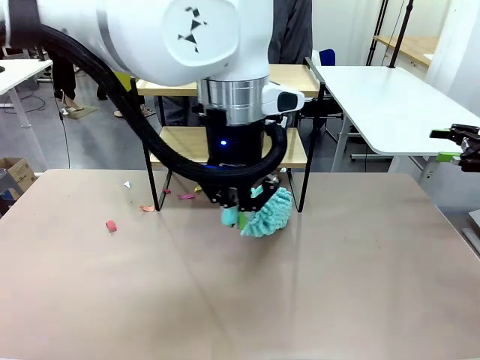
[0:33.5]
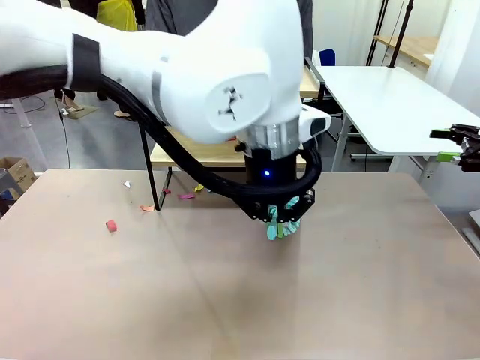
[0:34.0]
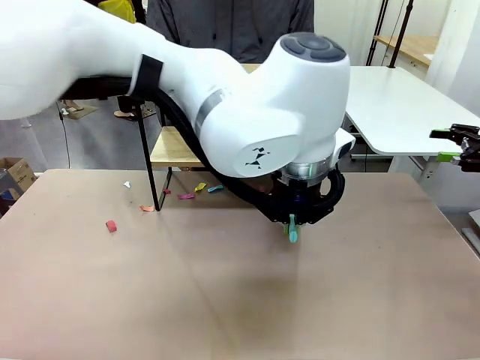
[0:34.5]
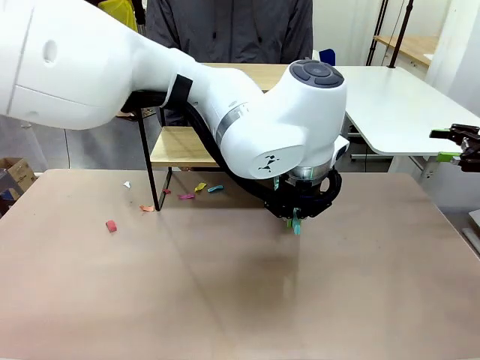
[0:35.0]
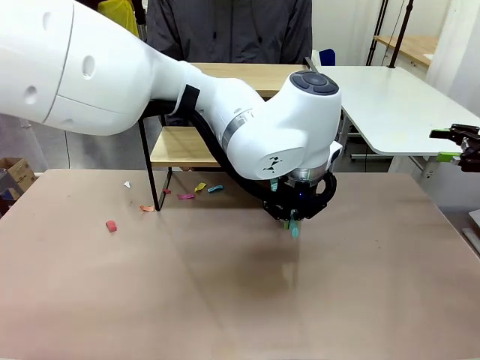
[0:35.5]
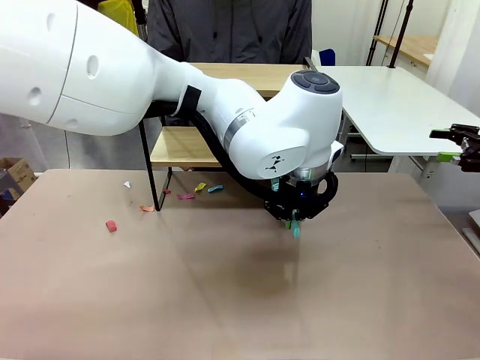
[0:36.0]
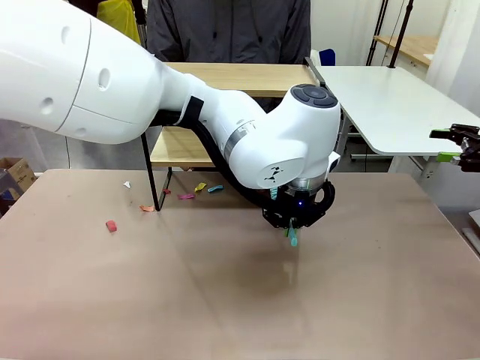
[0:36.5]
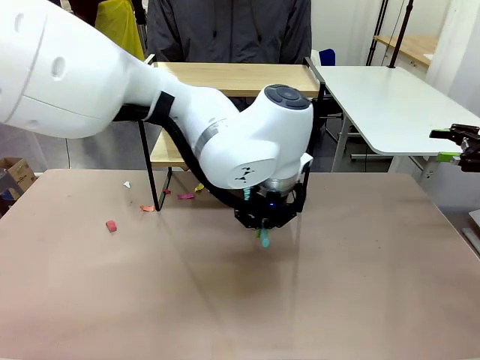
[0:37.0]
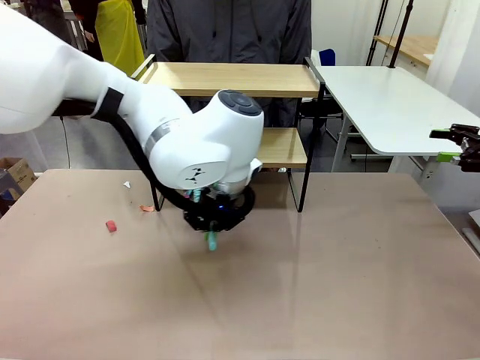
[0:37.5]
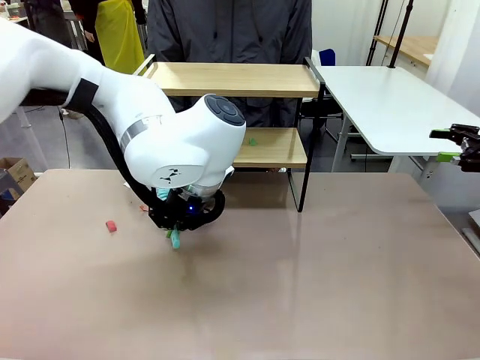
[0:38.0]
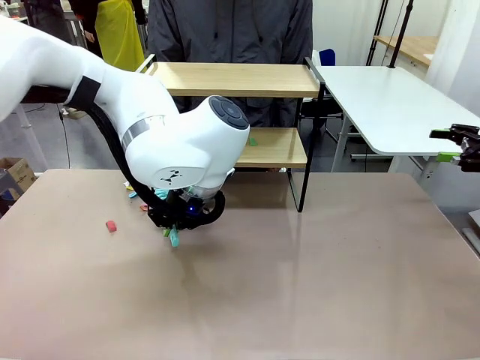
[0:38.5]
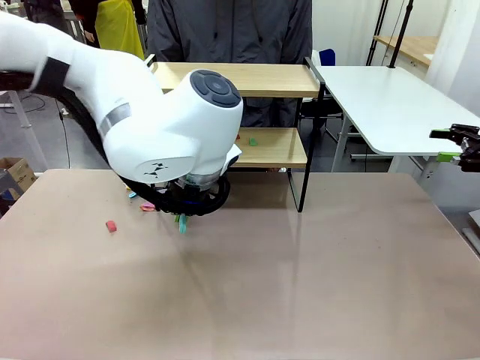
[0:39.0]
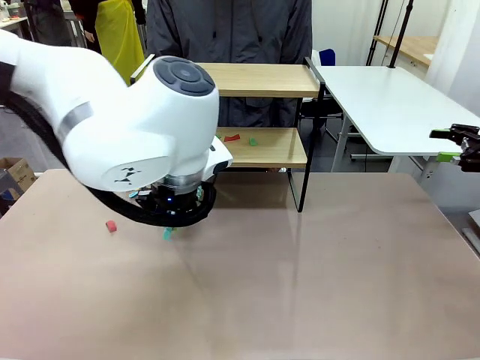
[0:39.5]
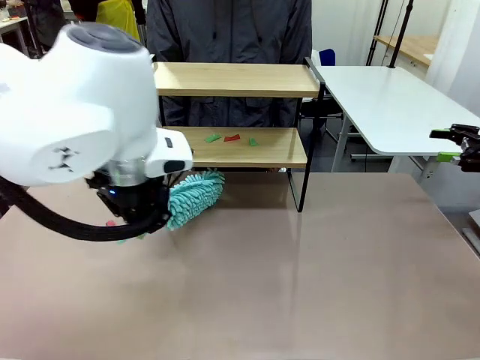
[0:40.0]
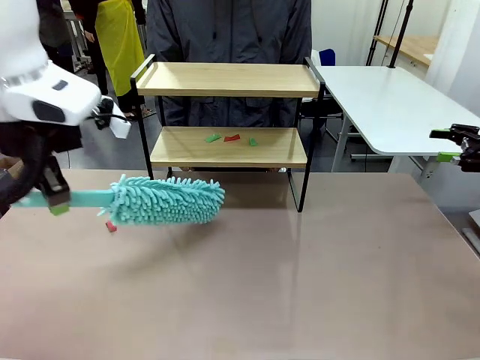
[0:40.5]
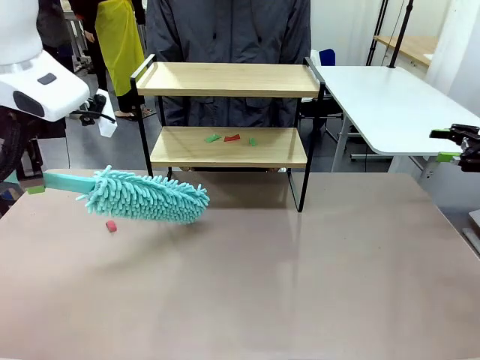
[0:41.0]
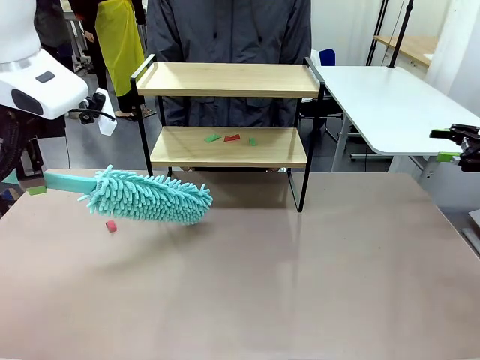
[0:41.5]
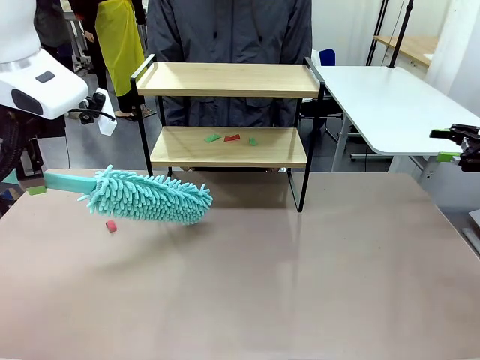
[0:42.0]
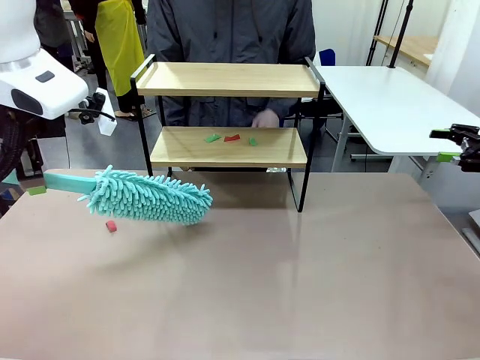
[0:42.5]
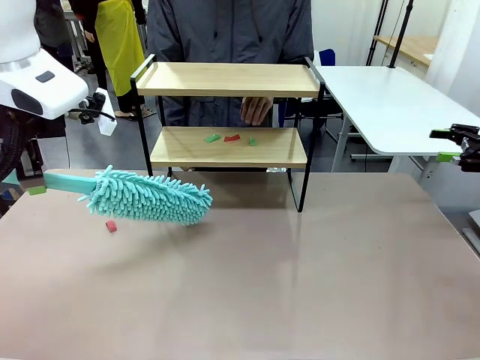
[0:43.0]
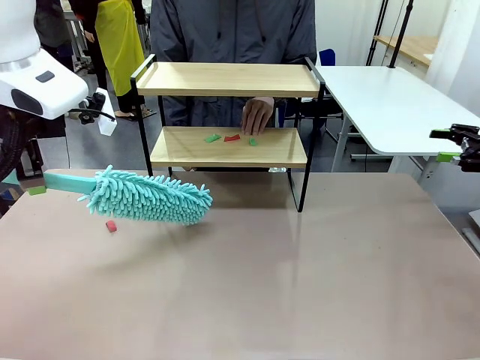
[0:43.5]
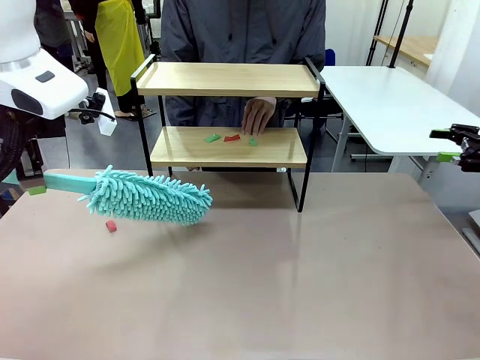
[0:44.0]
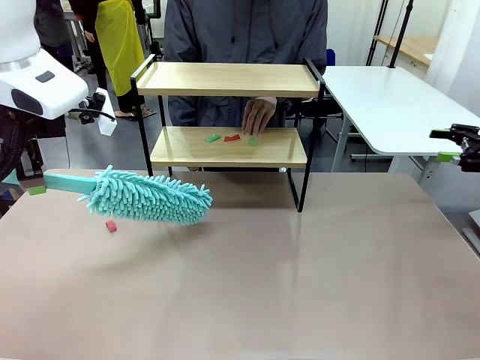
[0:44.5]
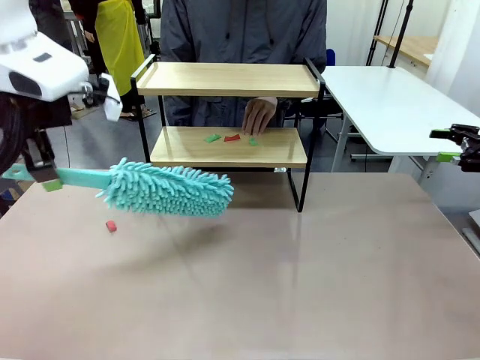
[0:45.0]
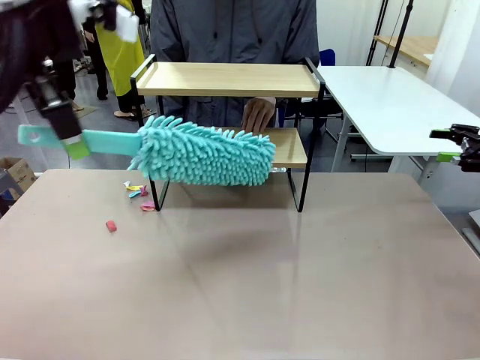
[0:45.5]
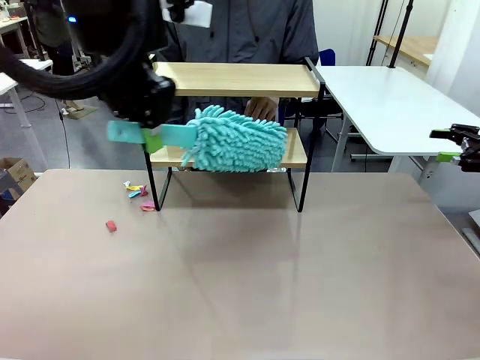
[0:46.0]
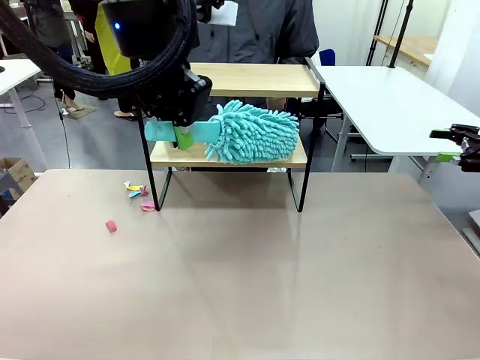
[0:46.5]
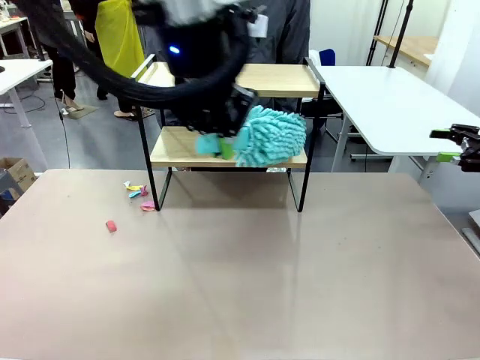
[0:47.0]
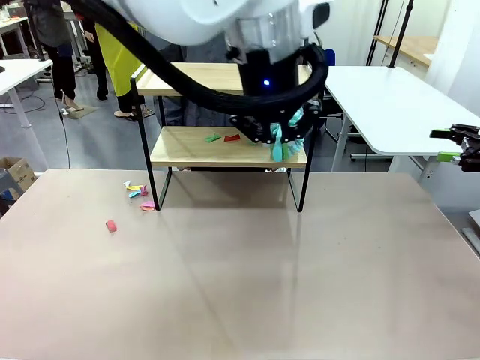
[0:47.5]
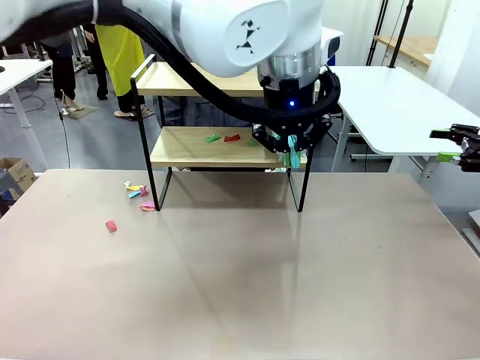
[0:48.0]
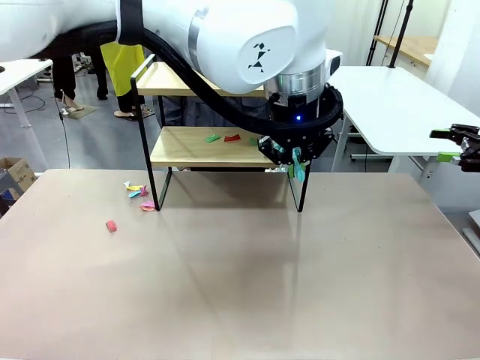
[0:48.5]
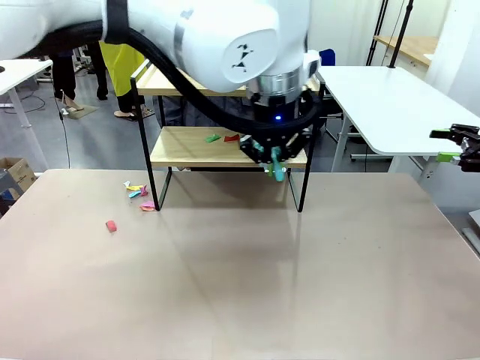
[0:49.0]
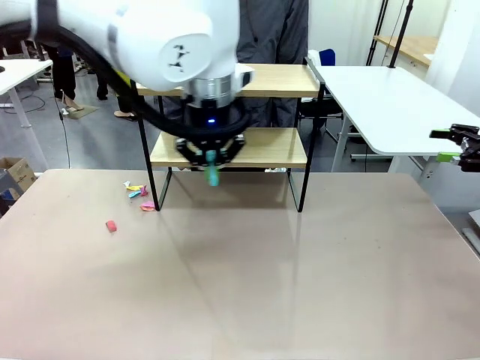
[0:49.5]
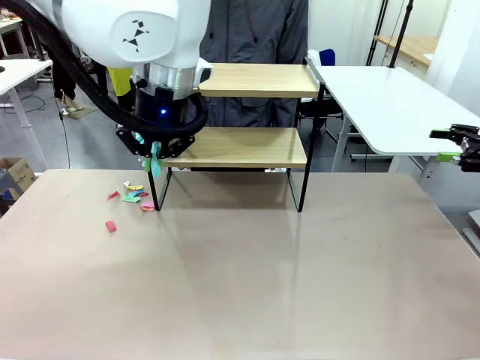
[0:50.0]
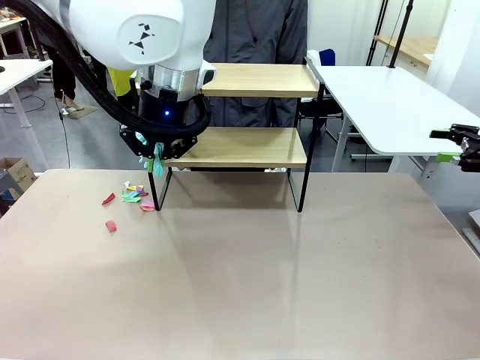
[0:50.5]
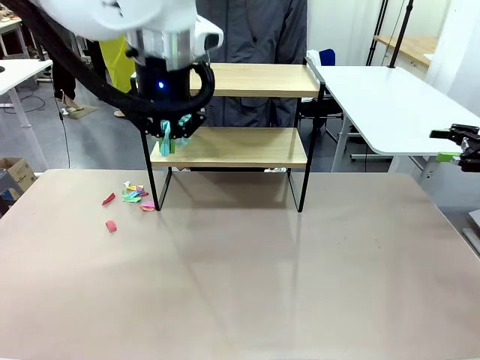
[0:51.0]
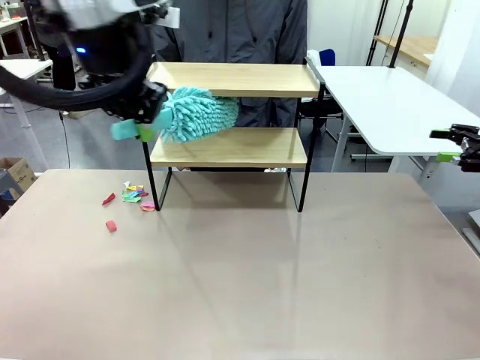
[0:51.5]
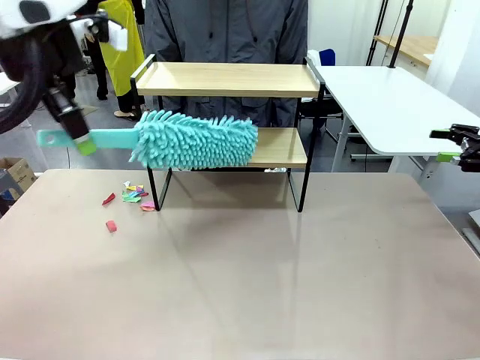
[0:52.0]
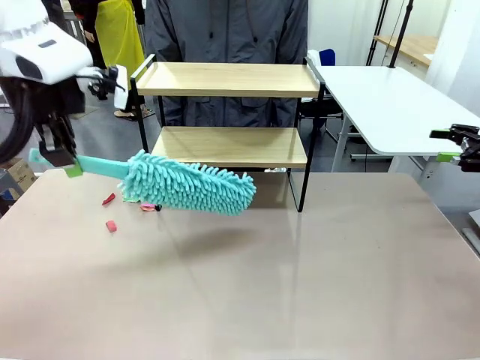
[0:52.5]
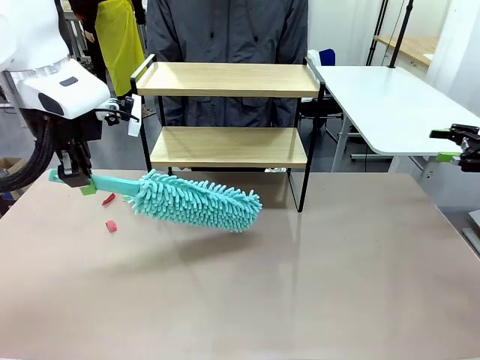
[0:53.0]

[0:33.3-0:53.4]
Task: Clean the shelf.
Robot: Clean the specific section of the Shelf indicated by the human with the Duster.
Person: Point a remaining section of the Shelf.

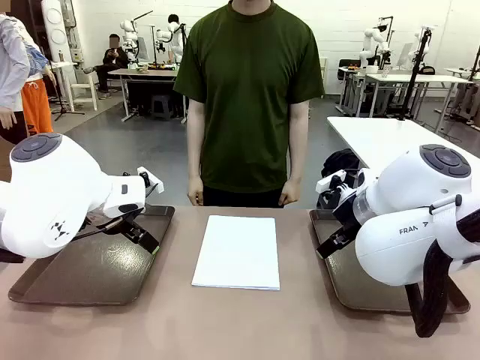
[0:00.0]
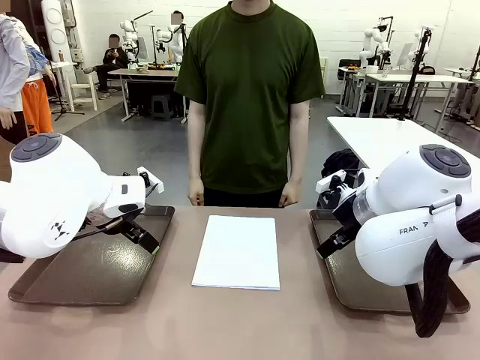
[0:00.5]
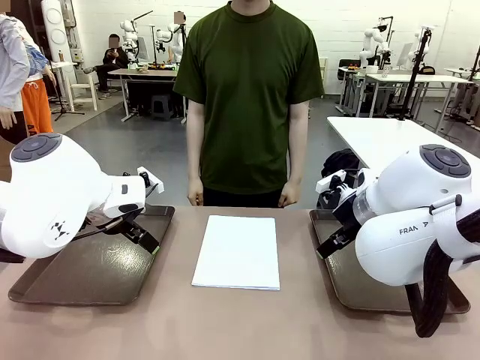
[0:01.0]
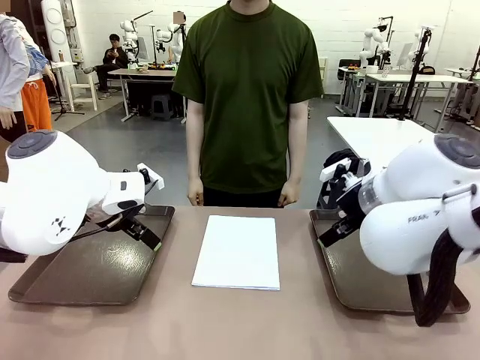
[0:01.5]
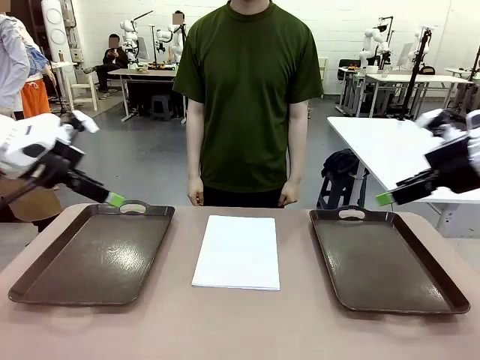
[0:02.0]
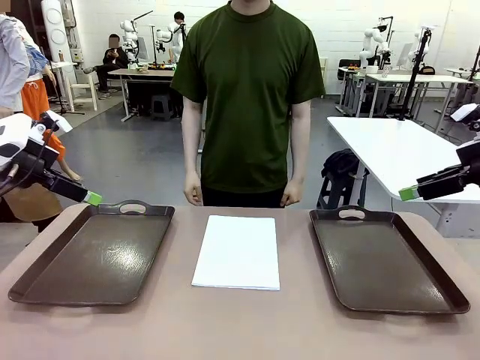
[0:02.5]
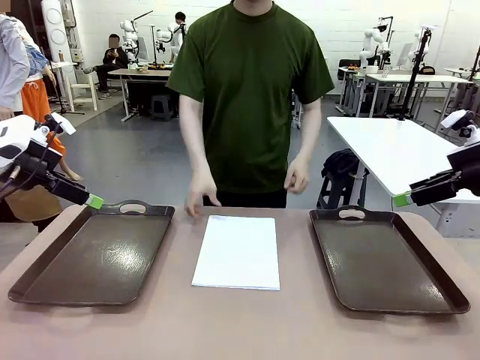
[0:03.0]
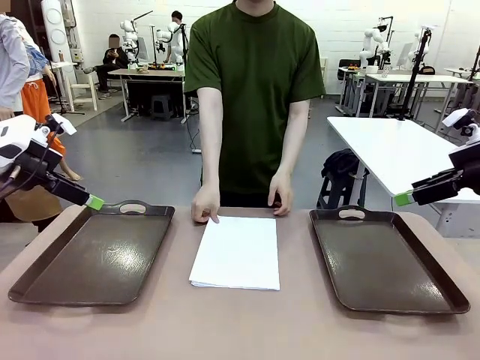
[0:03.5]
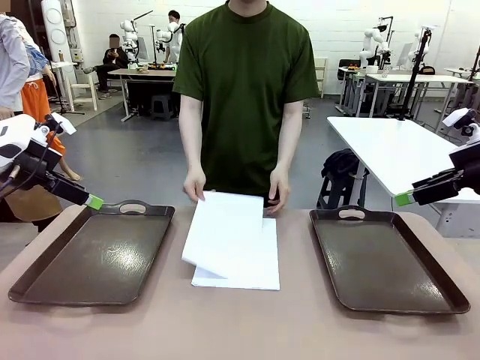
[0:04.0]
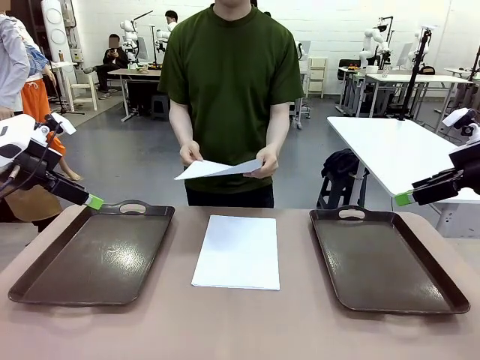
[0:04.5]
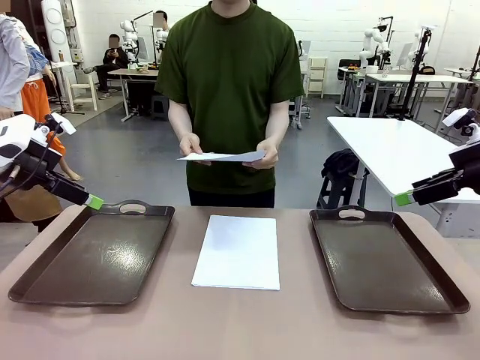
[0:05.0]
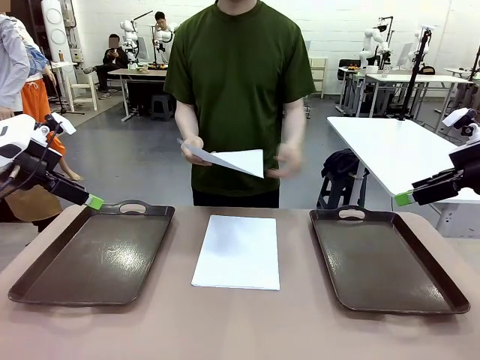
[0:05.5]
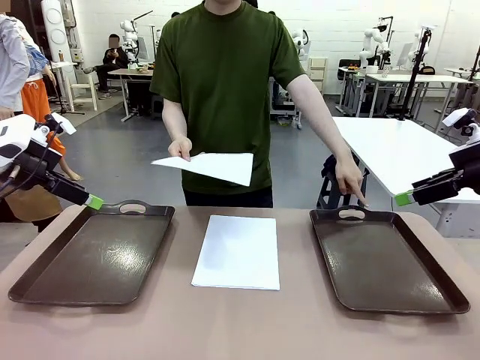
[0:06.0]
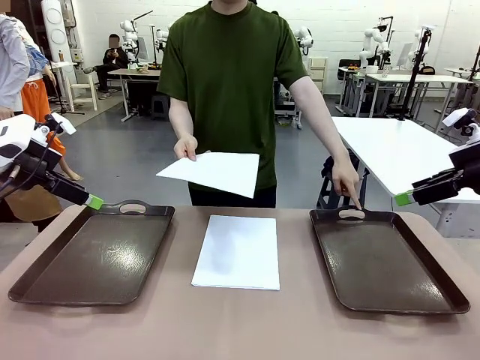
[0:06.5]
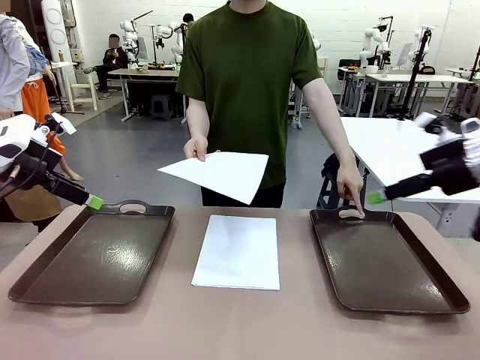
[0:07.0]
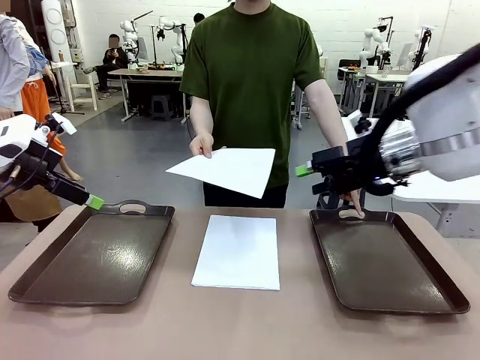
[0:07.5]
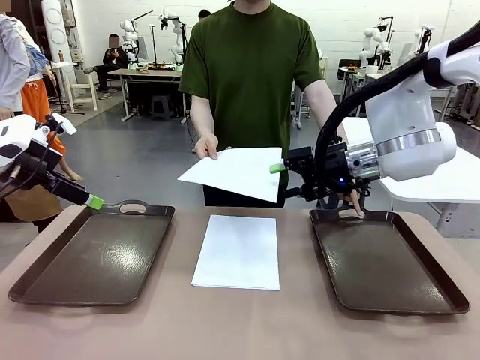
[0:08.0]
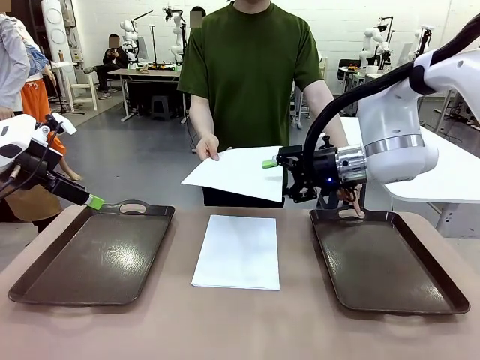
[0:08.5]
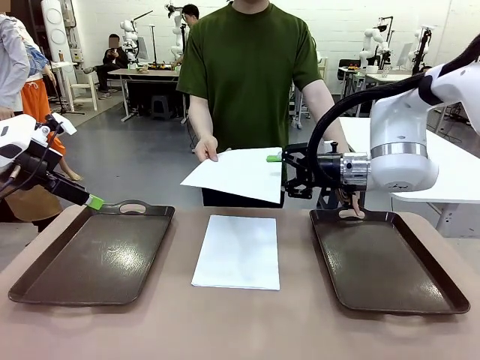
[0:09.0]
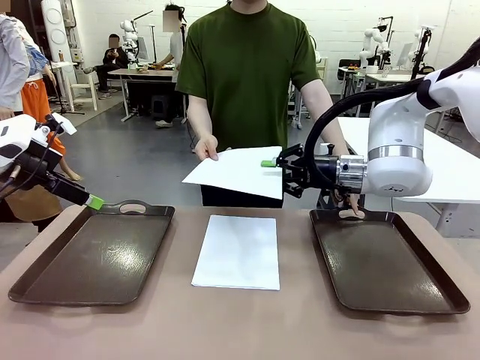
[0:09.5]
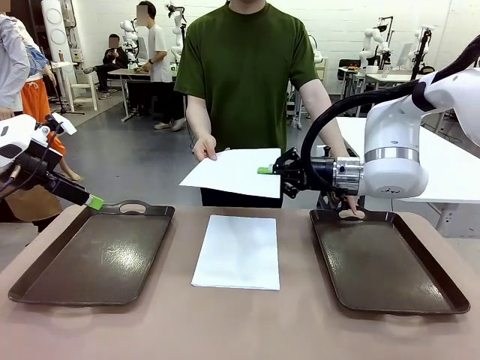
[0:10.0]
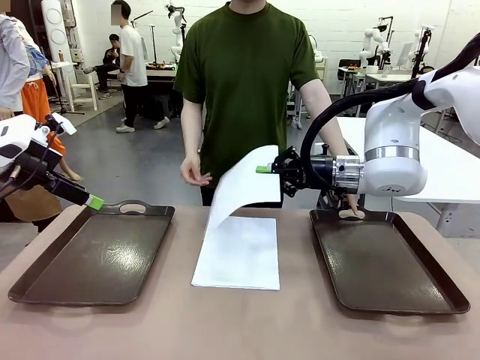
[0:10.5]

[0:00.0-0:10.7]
Task: Sort the A4 documents.
Robot: Receive the A4 Paper.
Person: Pick up a sheet of paper from the center of the table and hand it to the robot. Point the randomly selected tray with the other hand.
